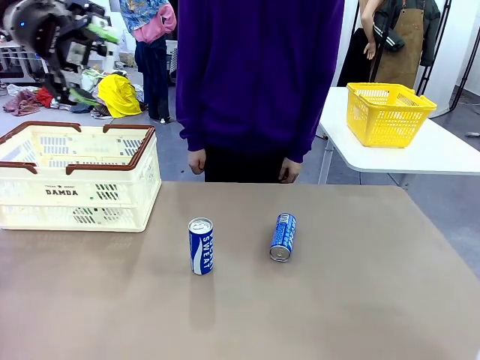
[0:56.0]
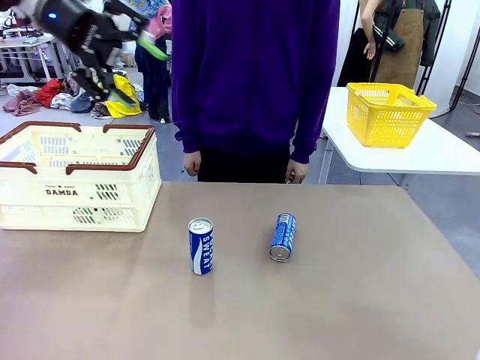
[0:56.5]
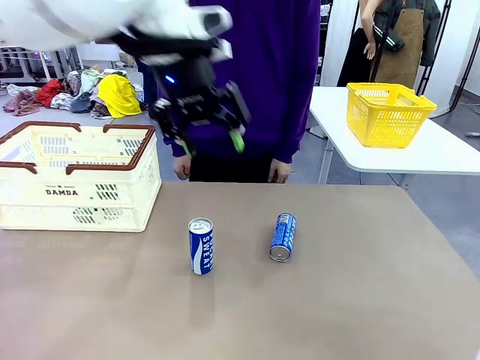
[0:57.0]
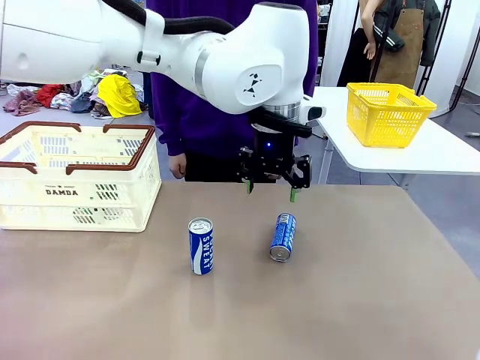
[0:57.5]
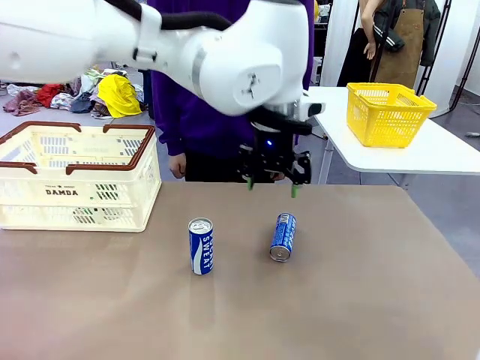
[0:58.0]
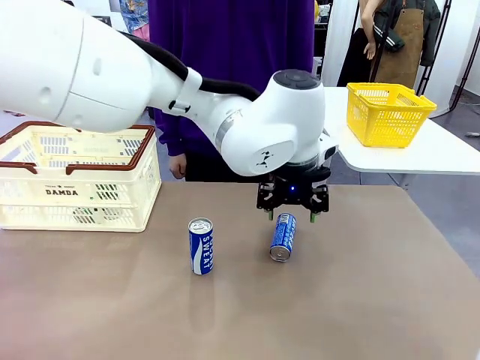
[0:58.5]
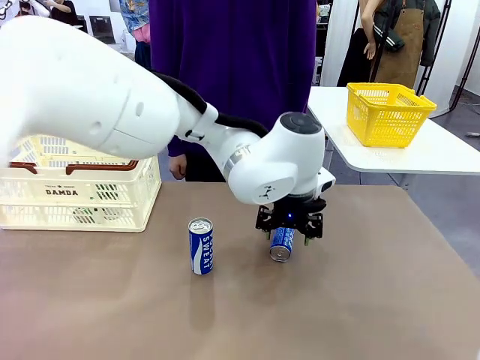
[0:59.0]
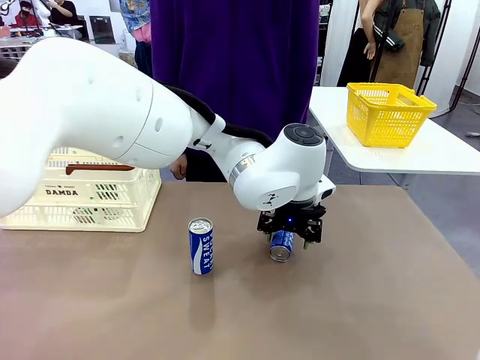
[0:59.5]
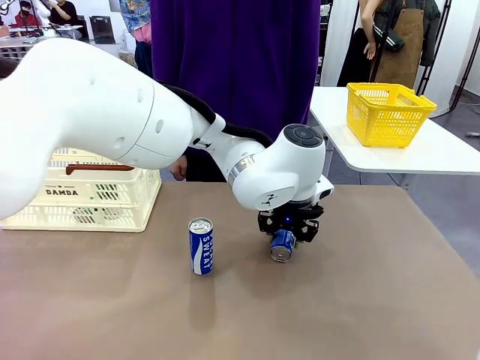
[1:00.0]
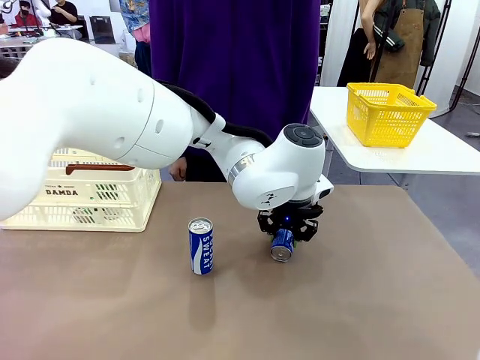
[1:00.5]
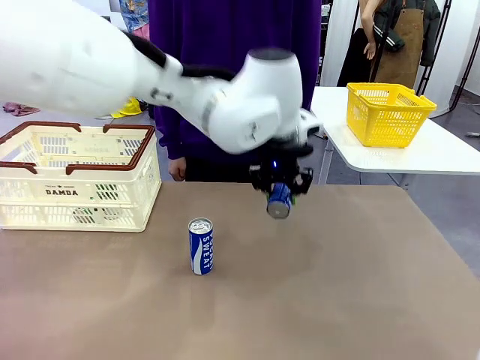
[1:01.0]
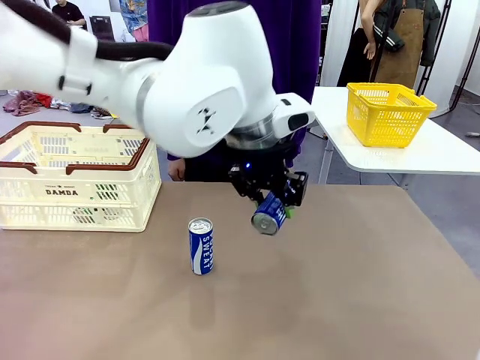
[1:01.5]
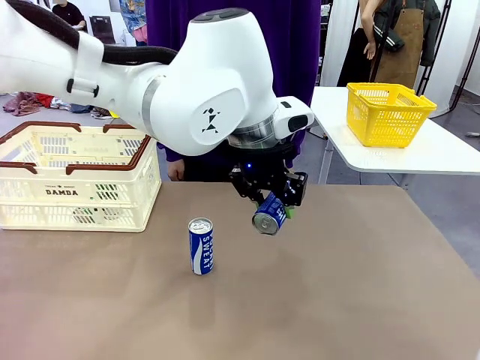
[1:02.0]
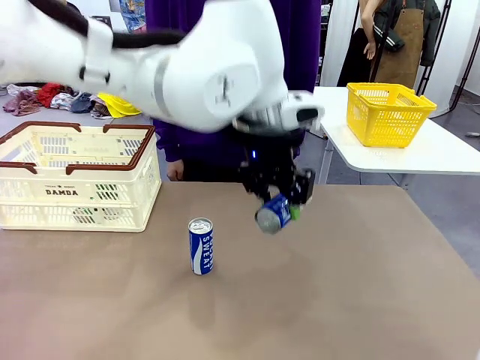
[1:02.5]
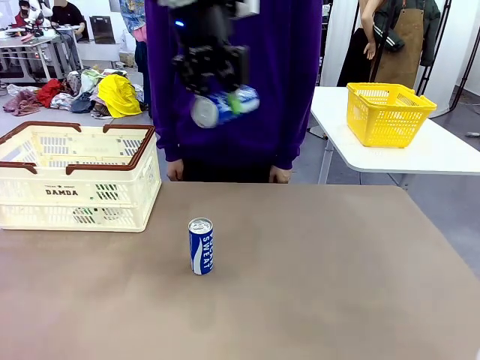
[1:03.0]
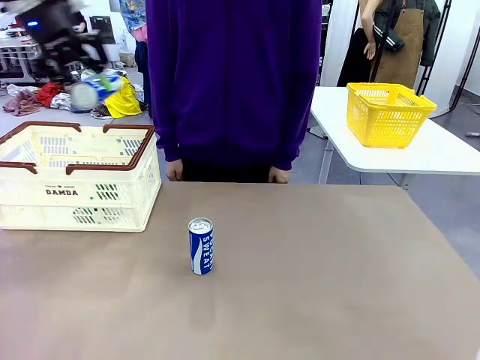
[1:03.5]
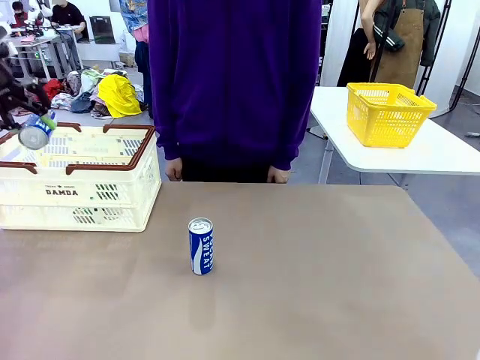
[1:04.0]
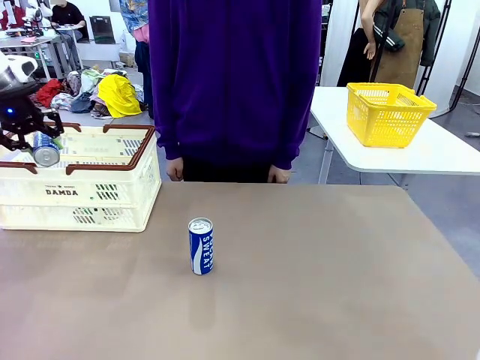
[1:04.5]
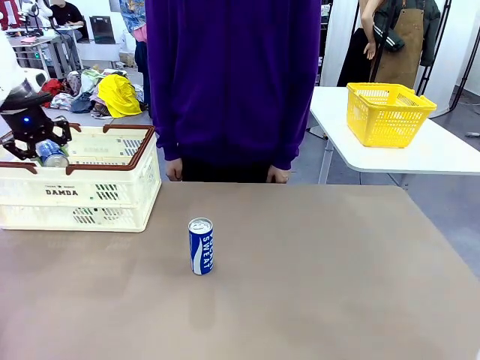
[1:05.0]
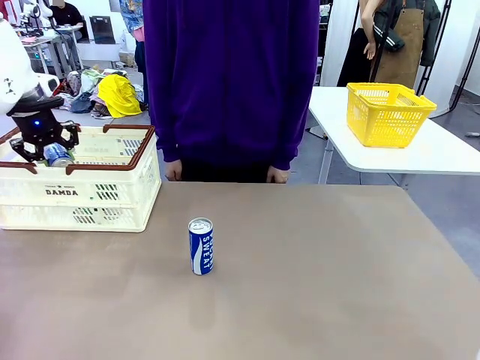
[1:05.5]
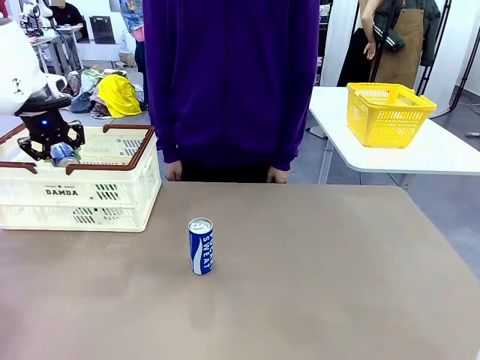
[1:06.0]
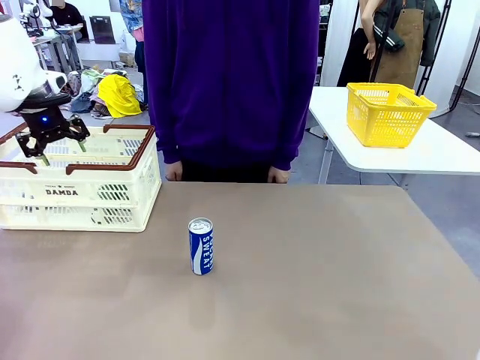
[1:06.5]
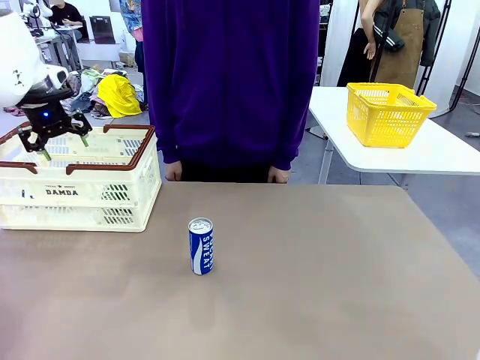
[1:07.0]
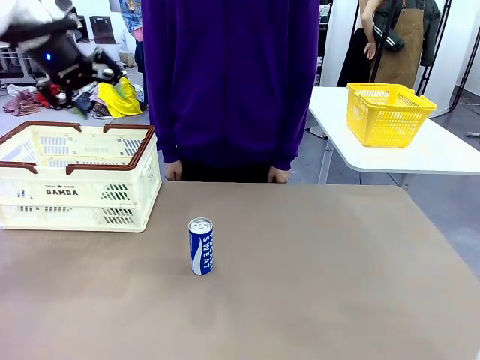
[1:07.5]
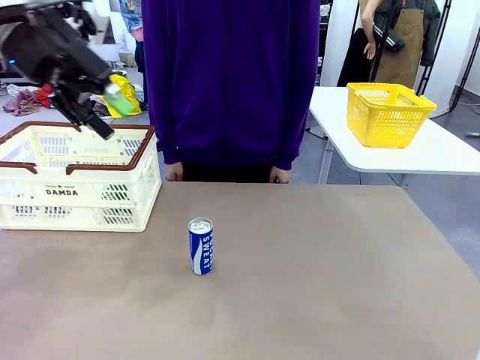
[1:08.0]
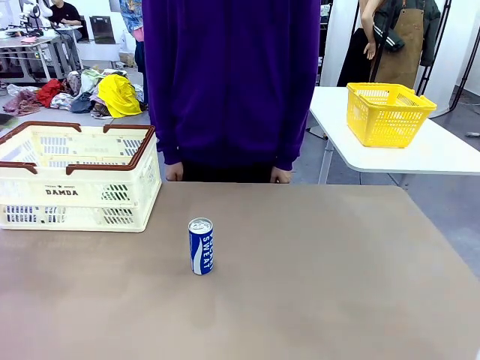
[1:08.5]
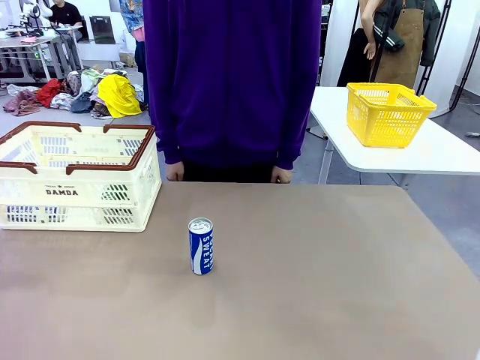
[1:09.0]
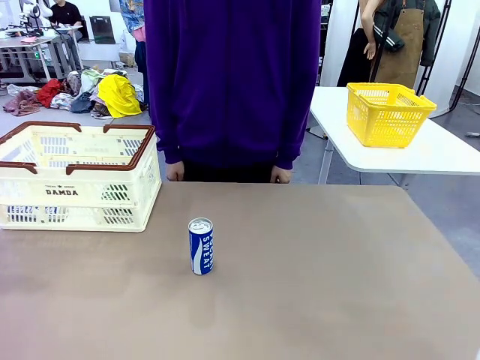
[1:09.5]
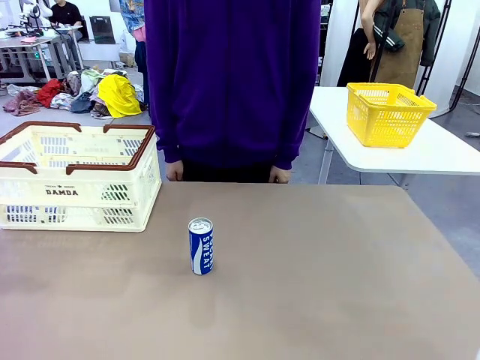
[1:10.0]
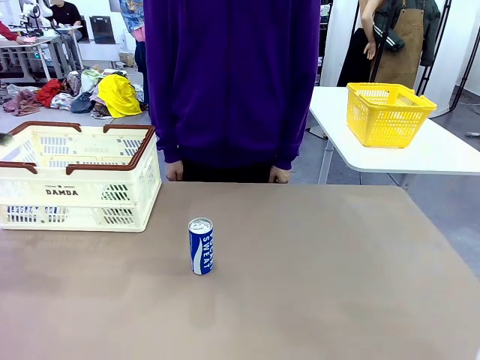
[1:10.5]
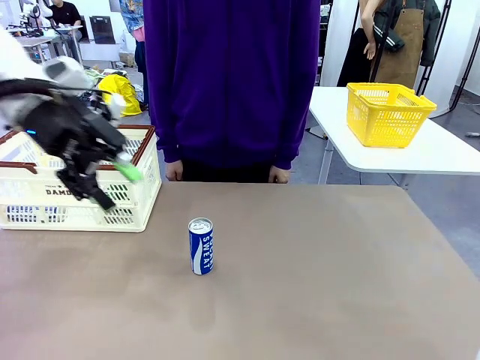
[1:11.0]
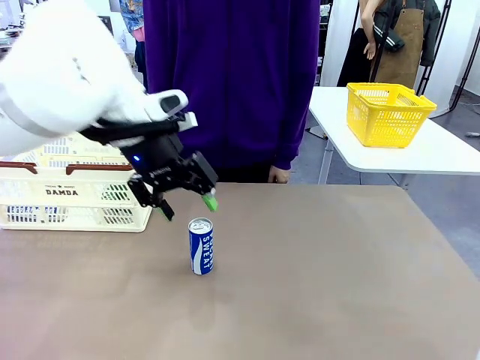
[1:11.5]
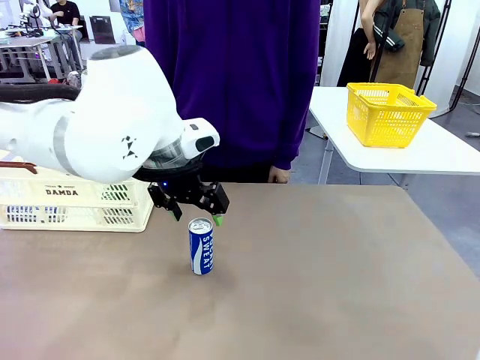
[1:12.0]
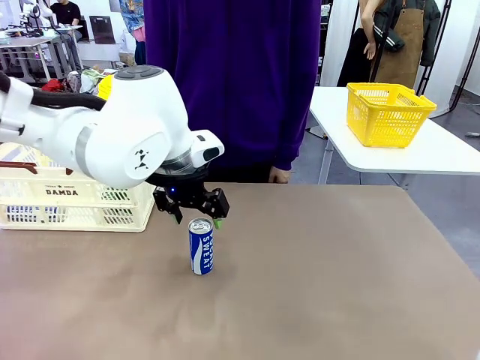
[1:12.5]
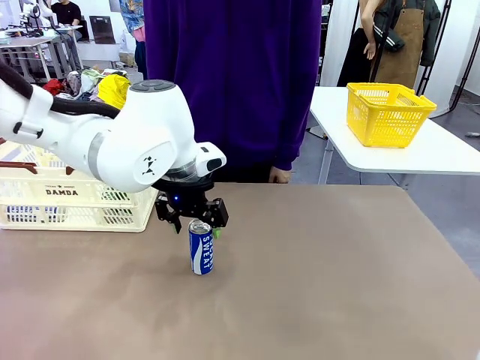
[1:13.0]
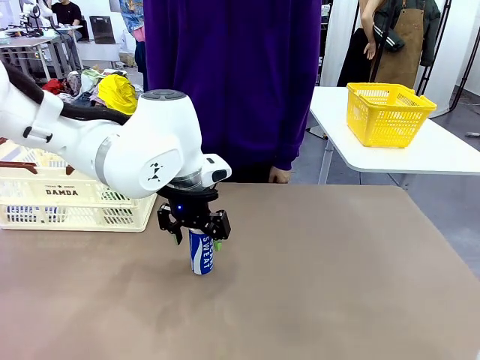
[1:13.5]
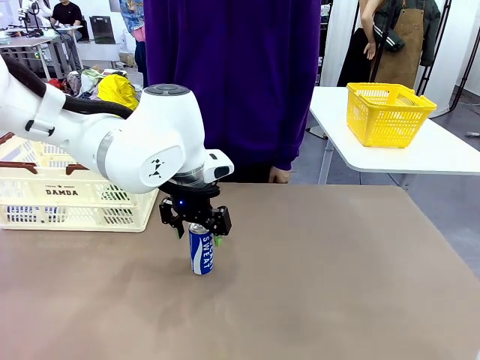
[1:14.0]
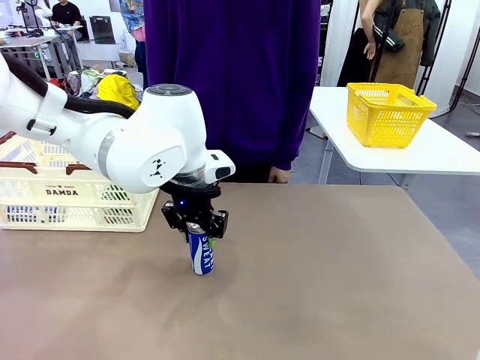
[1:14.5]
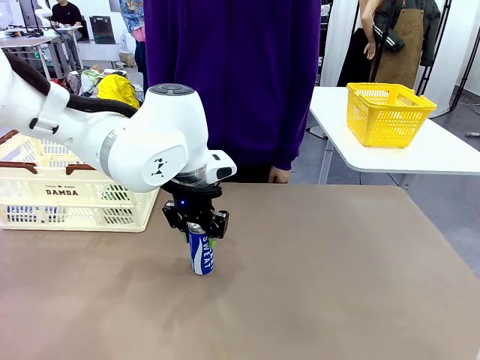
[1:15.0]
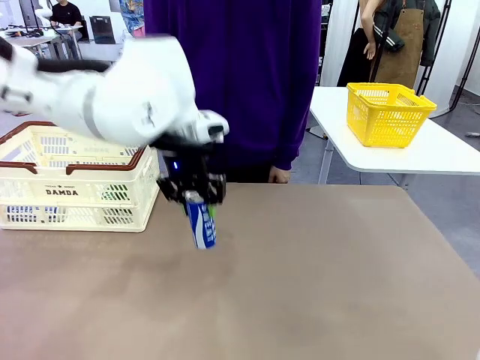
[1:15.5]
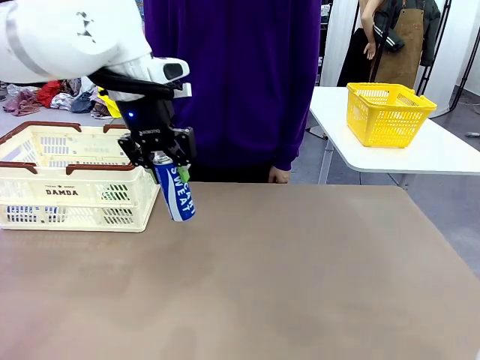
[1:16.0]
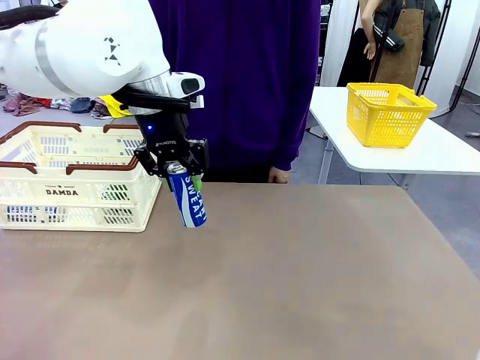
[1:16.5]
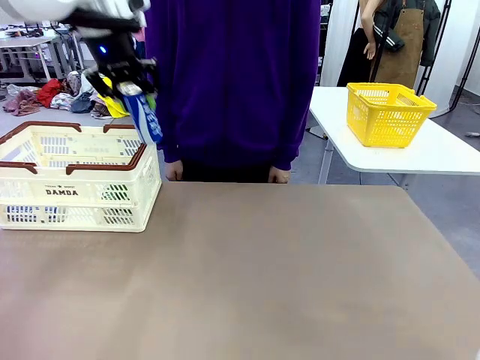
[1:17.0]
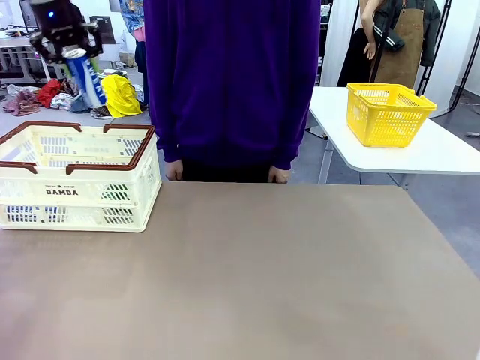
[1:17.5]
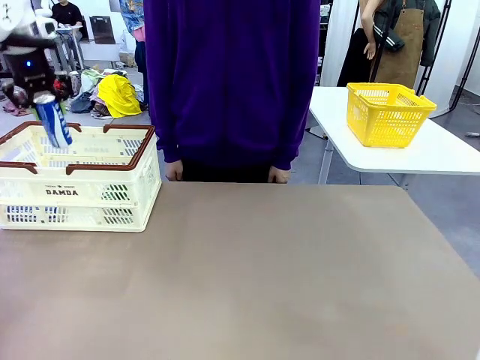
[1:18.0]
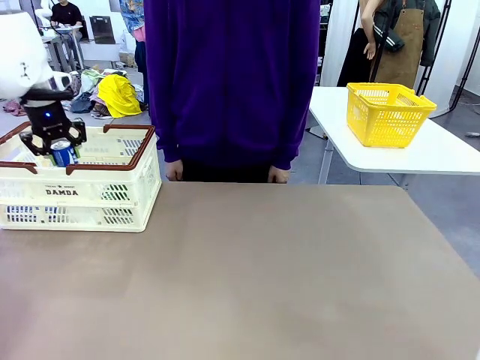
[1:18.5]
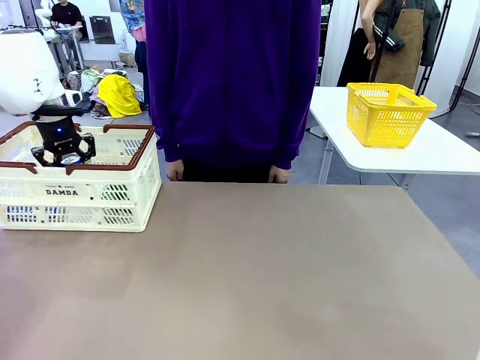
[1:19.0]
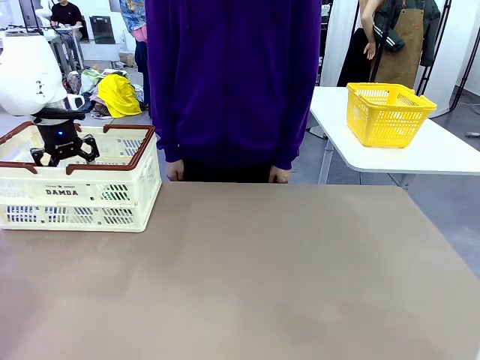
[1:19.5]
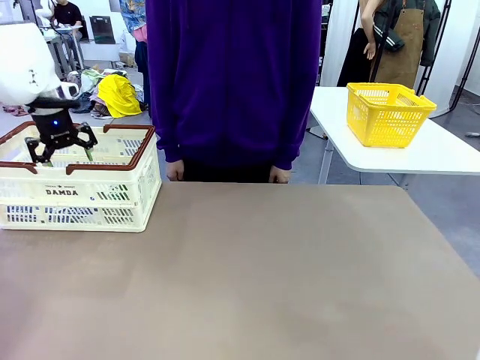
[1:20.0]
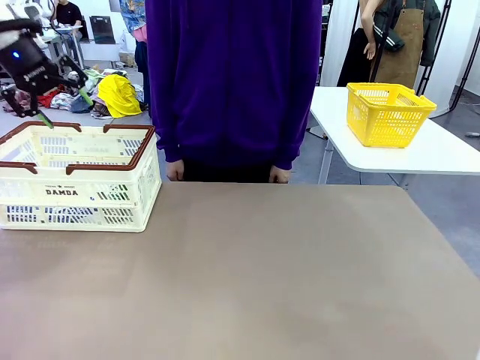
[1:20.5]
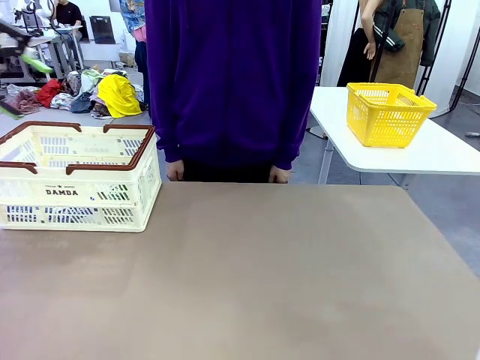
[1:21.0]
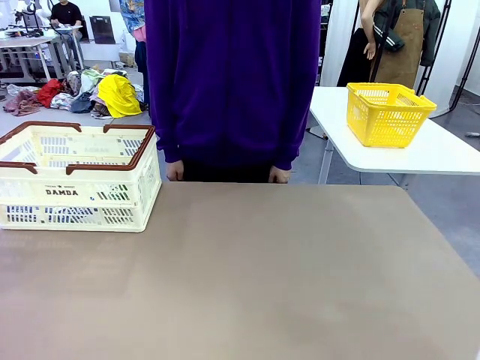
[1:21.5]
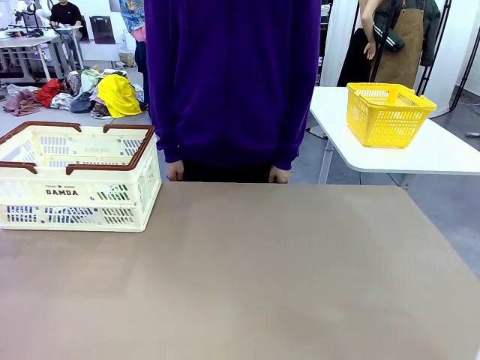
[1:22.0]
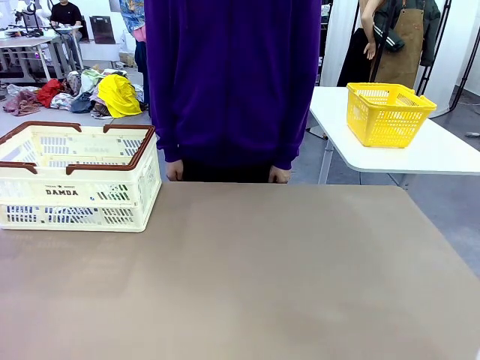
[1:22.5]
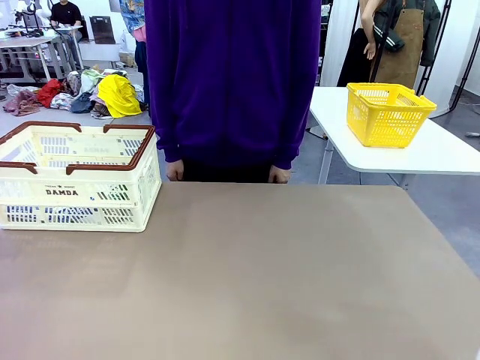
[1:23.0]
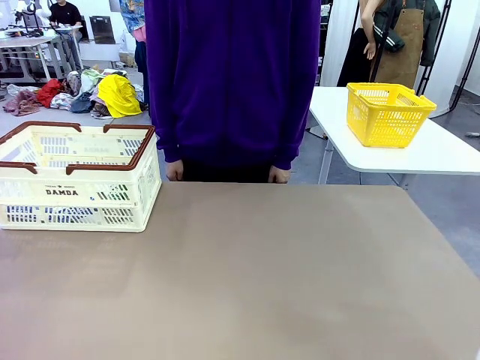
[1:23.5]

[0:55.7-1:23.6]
Task: Place the drinks into the Shopping basket.
Robot: Pick up one drink and place it into the Shopping basket.
